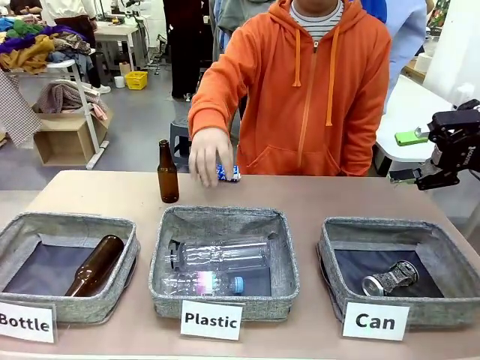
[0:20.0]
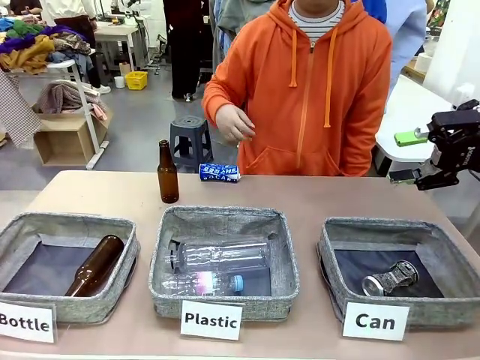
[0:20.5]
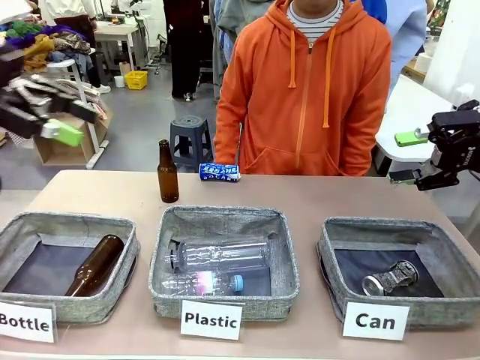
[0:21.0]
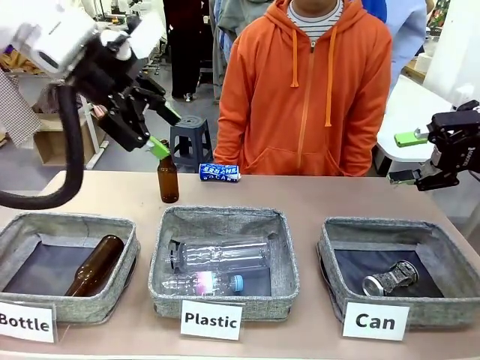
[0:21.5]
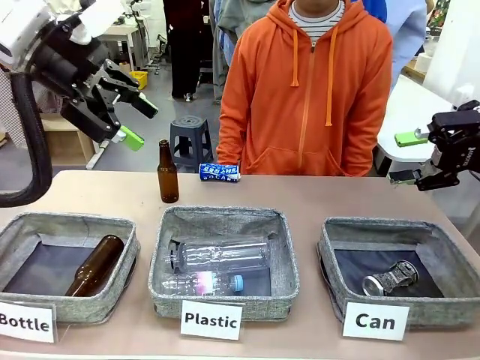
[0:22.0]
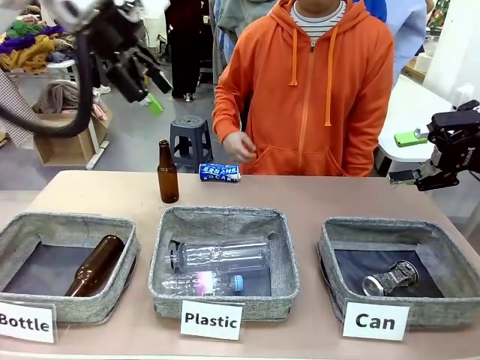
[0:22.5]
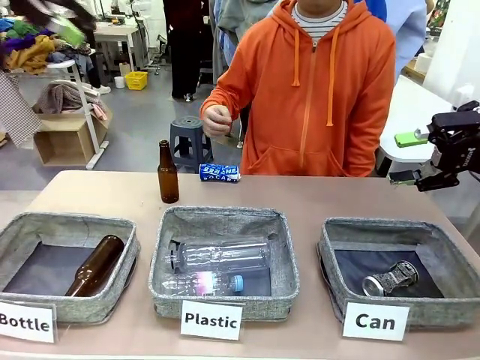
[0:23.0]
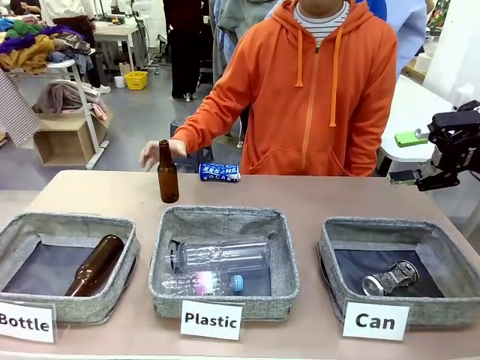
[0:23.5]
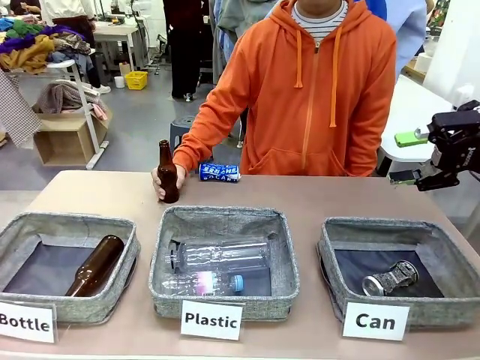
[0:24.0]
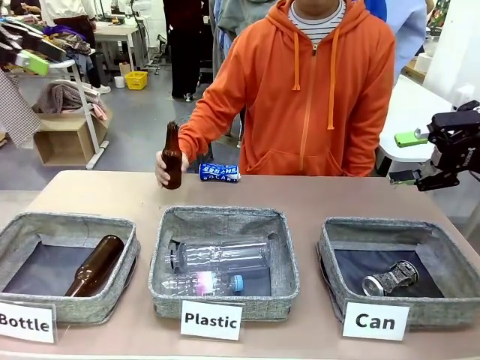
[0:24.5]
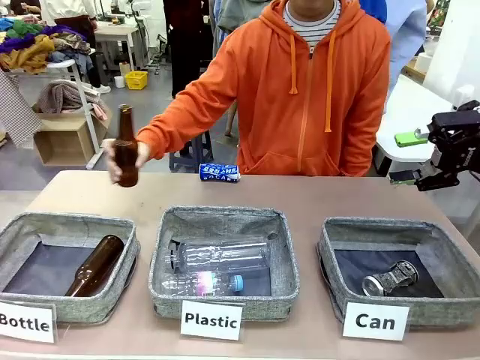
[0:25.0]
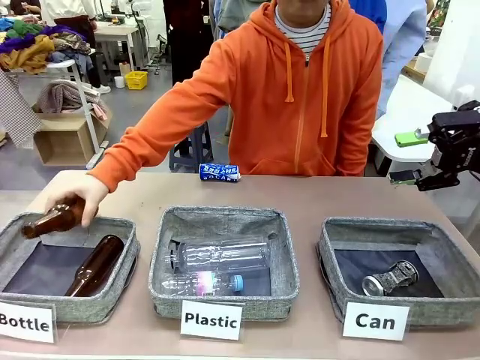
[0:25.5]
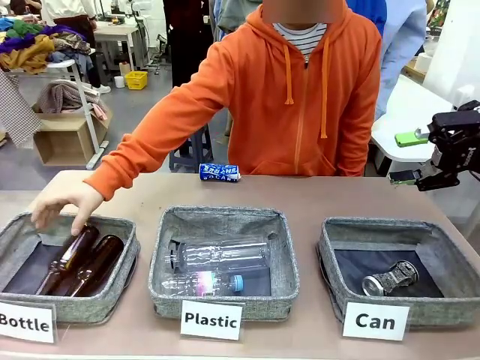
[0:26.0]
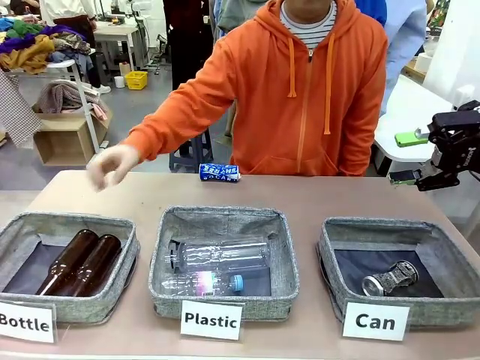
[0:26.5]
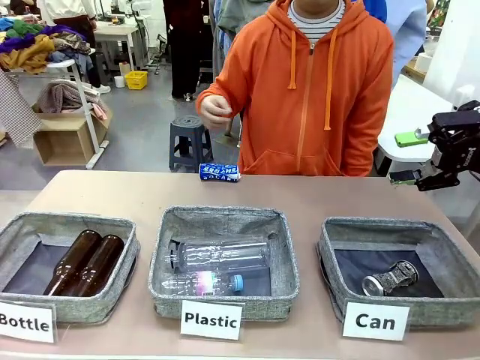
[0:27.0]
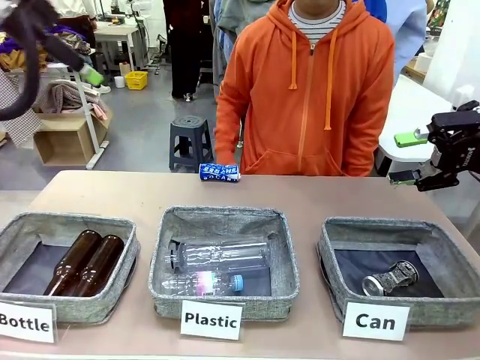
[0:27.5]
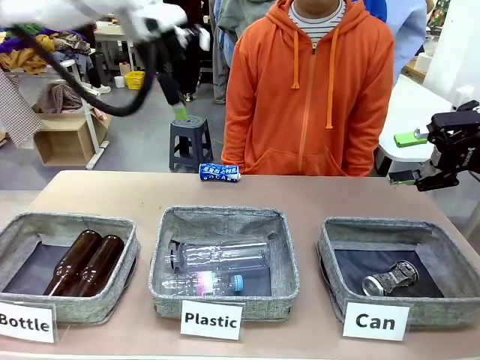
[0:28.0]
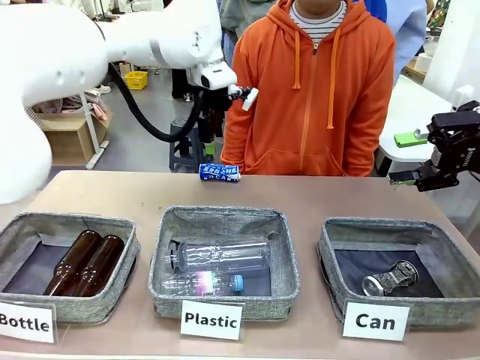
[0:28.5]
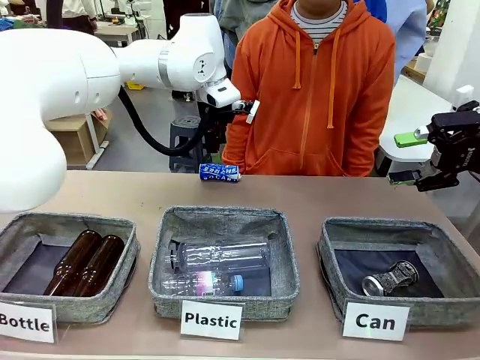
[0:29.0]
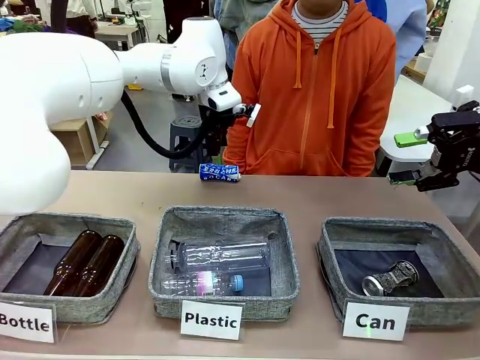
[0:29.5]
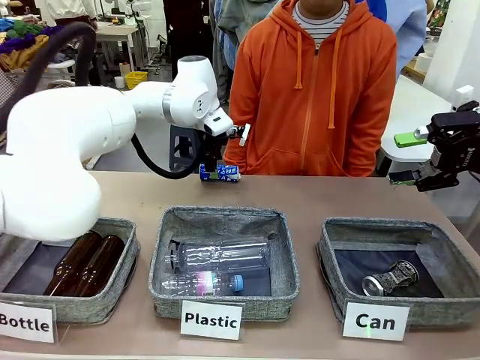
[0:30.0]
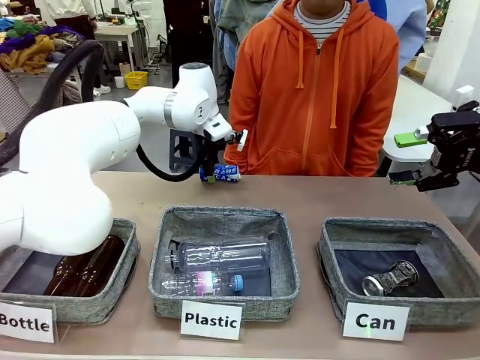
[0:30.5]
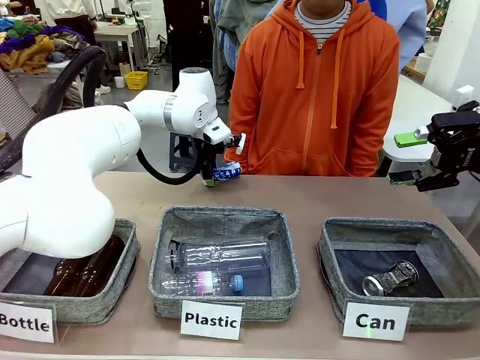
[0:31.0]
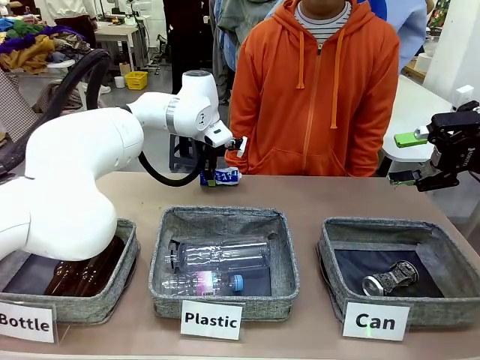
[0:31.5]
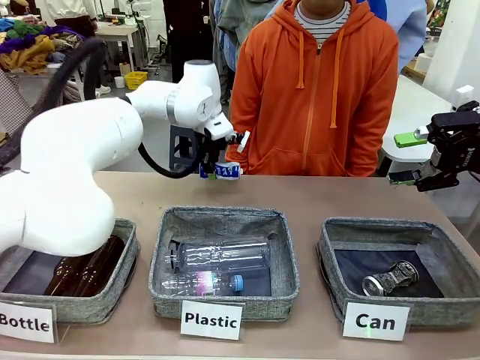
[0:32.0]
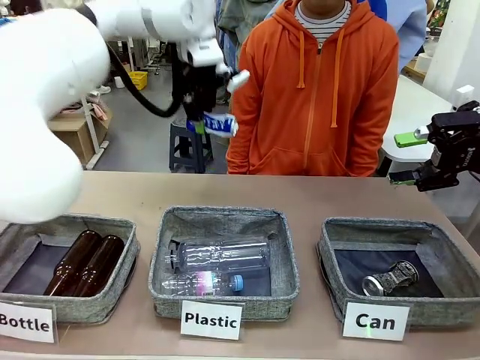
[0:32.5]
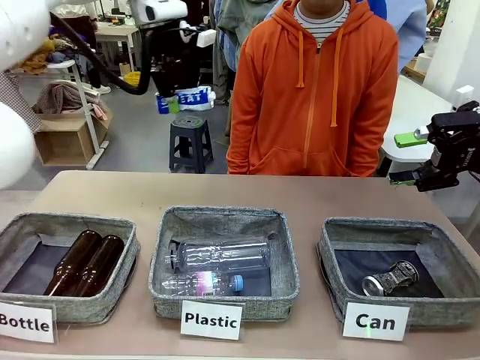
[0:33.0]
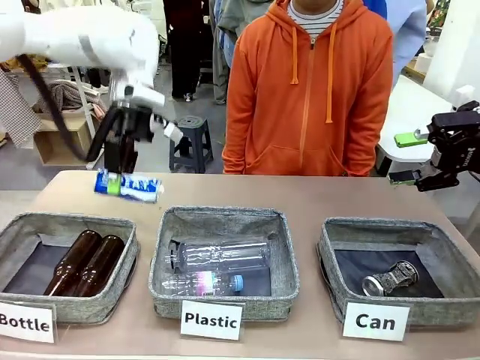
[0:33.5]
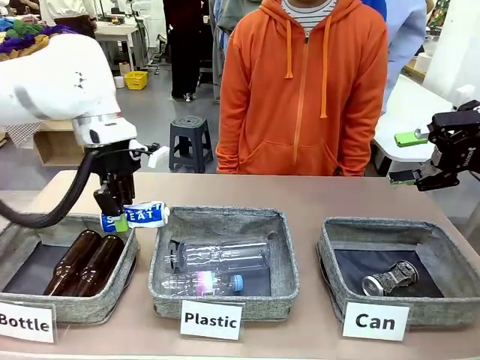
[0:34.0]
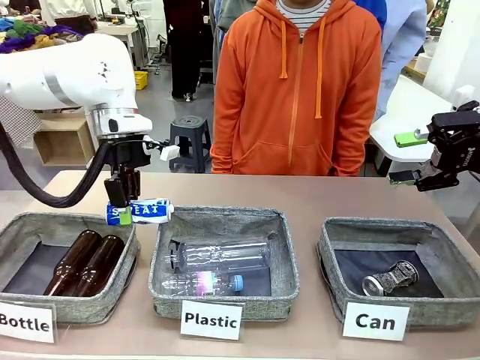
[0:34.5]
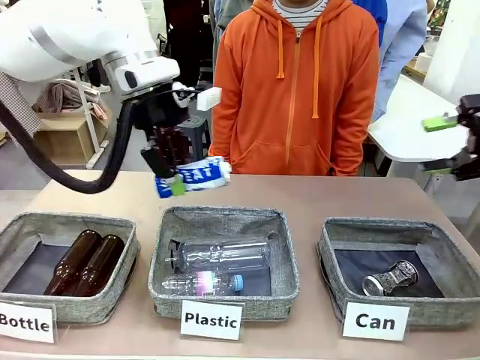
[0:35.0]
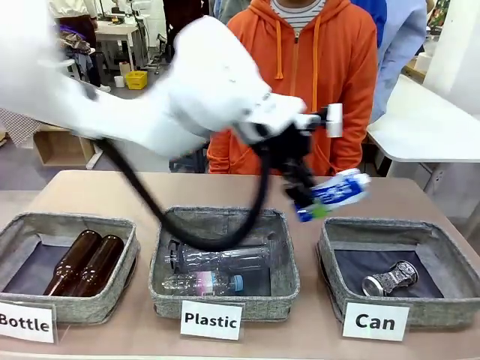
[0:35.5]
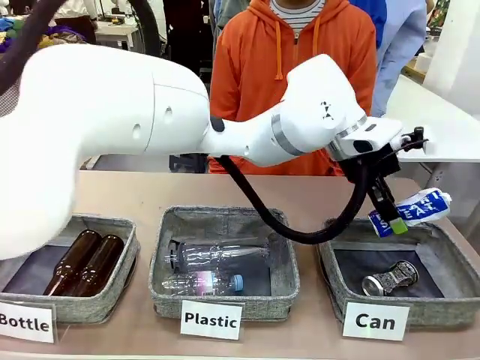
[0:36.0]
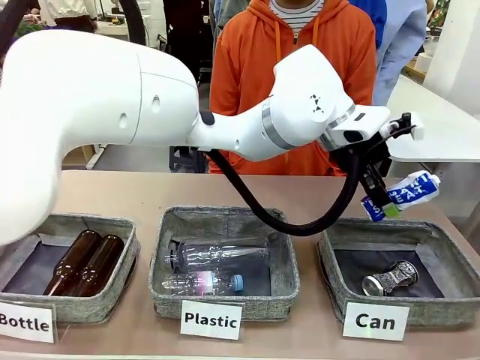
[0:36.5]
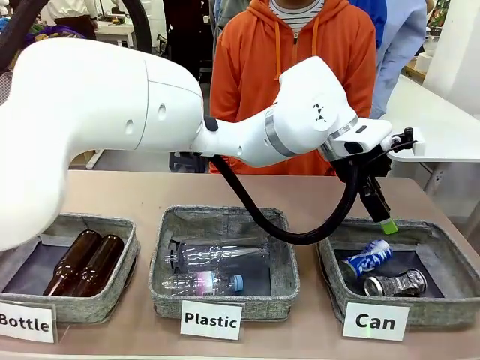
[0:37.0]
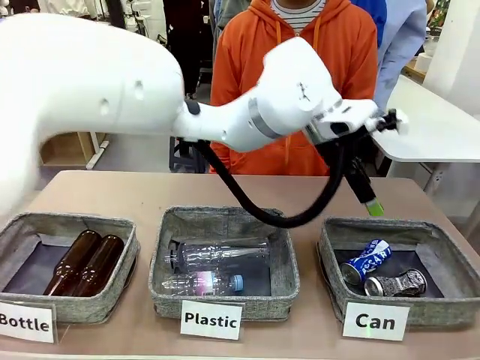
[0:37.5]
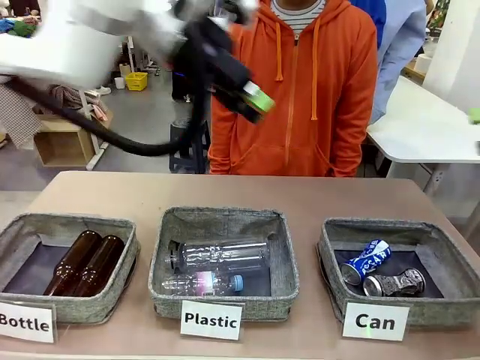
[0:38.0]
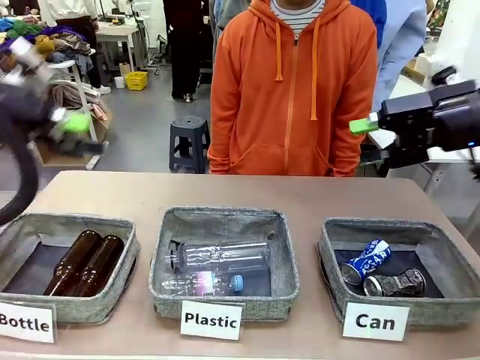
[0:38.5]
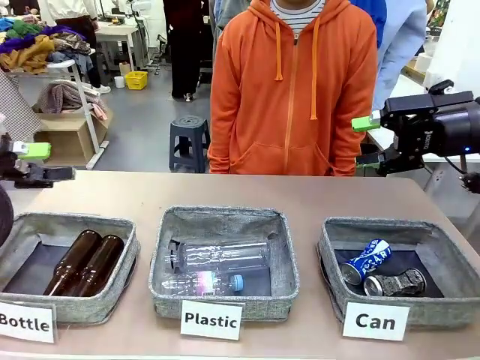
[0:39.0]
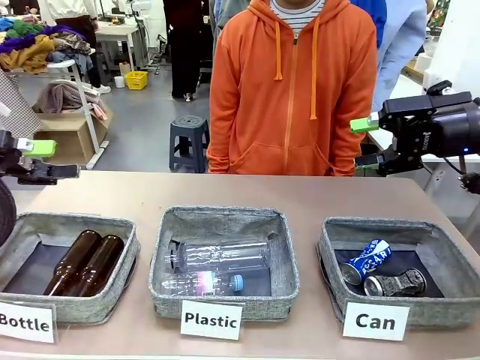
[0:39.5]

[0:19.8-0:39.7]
Task: Sort the can waste into the basket.
Robot: Pick up the can waste from the table and place it in the right Fabric basket.
Person: The human picks up one piece of trash that is not a can and places the trash into the appropriate organizing basket.
